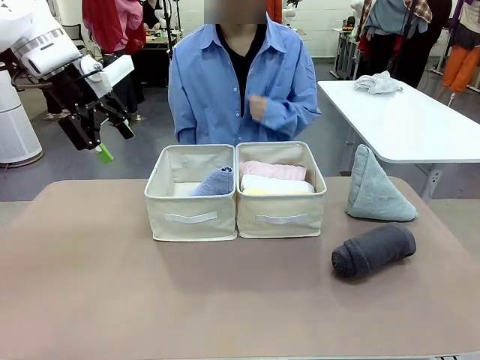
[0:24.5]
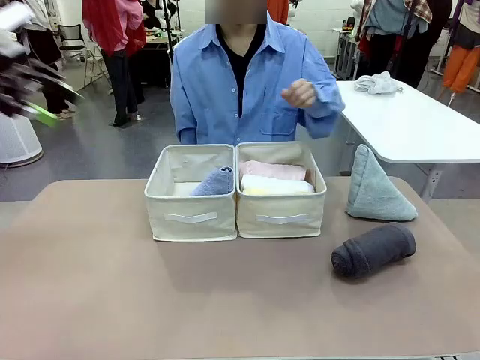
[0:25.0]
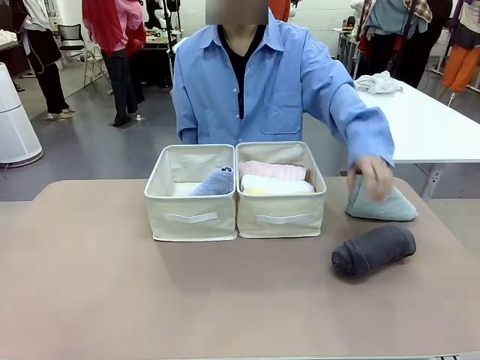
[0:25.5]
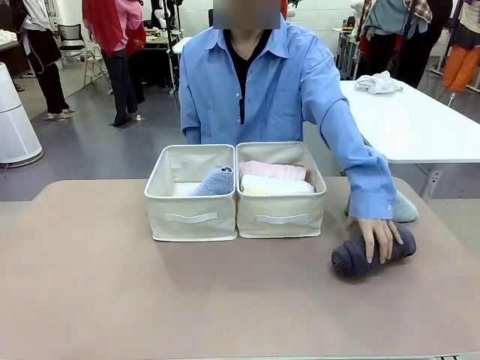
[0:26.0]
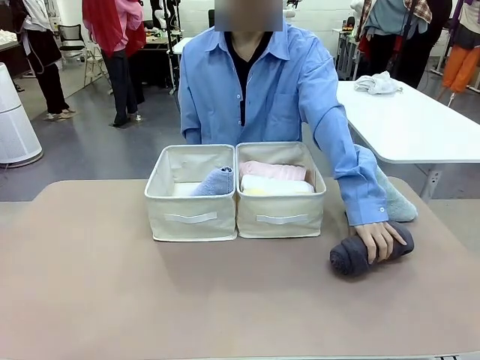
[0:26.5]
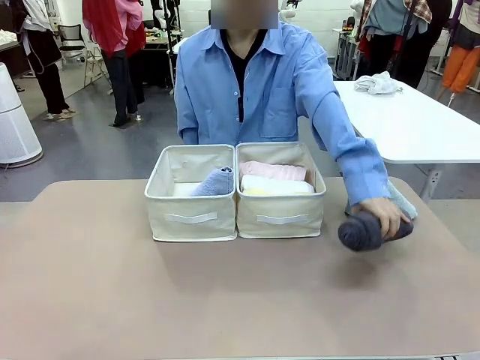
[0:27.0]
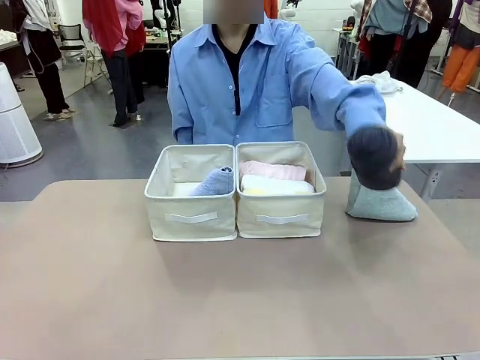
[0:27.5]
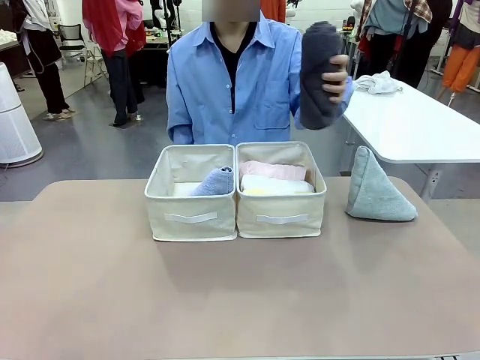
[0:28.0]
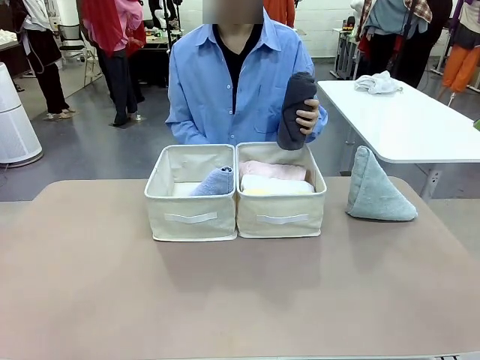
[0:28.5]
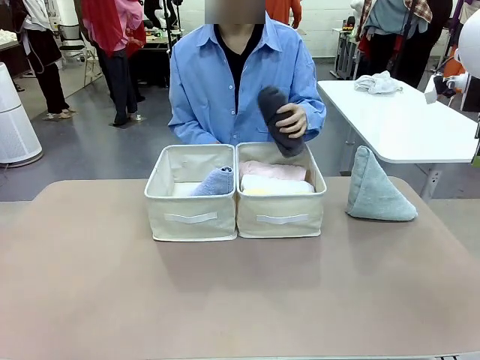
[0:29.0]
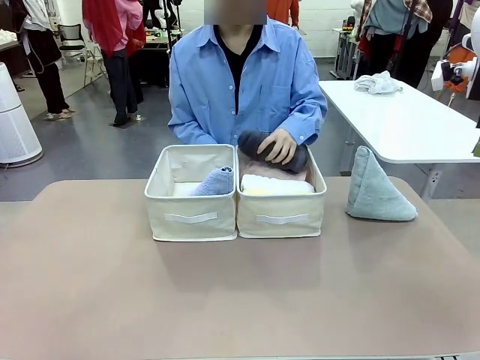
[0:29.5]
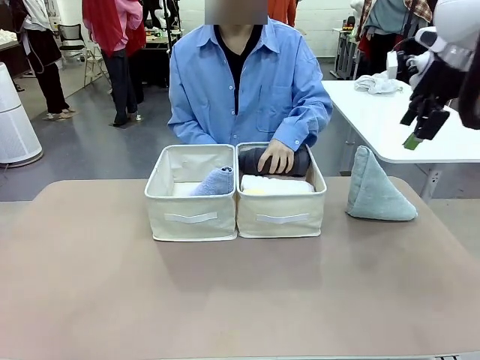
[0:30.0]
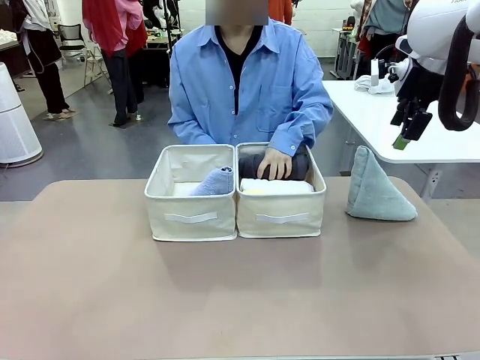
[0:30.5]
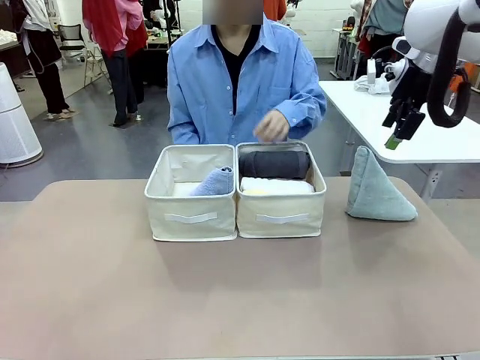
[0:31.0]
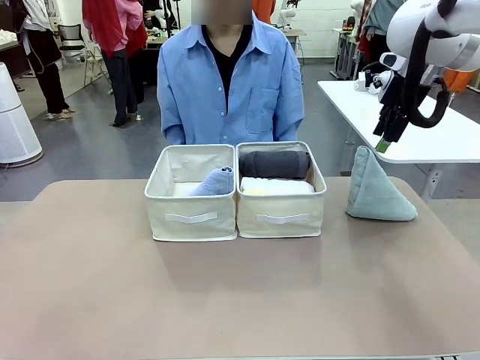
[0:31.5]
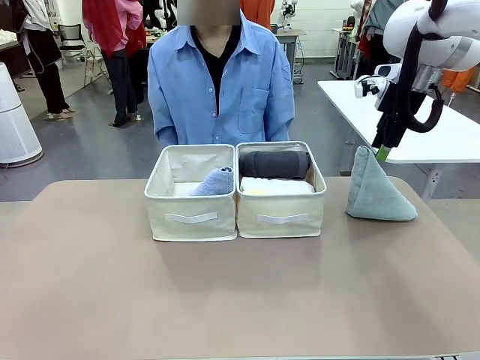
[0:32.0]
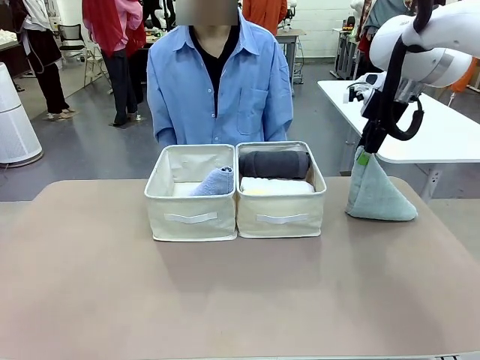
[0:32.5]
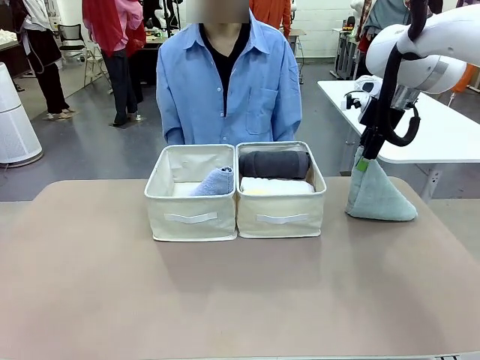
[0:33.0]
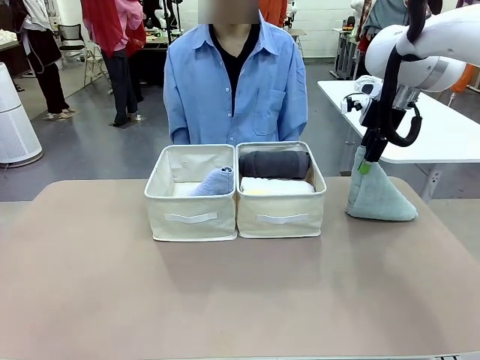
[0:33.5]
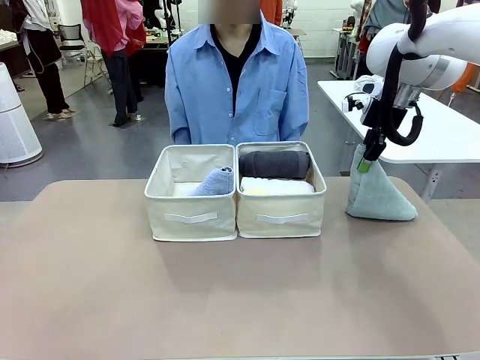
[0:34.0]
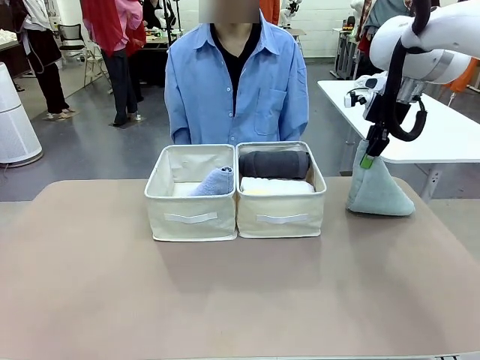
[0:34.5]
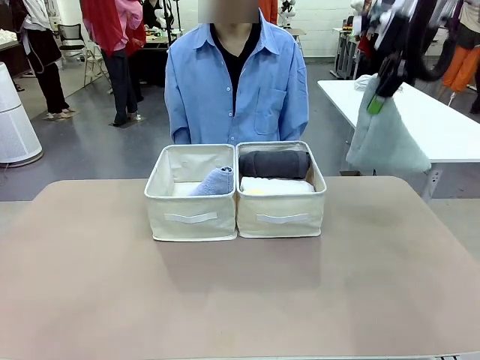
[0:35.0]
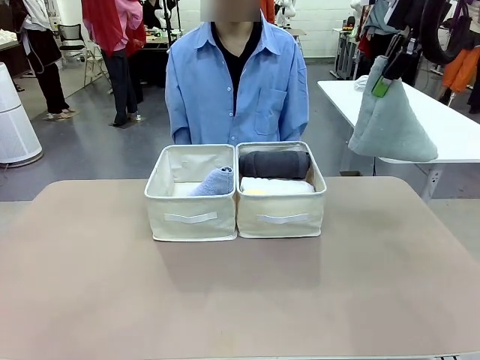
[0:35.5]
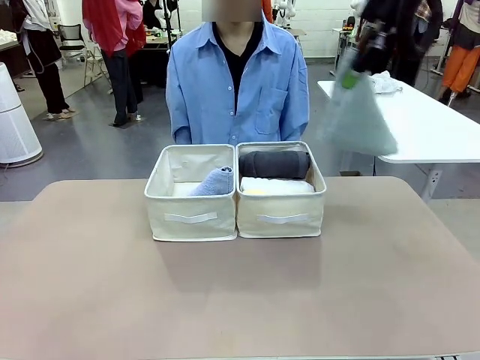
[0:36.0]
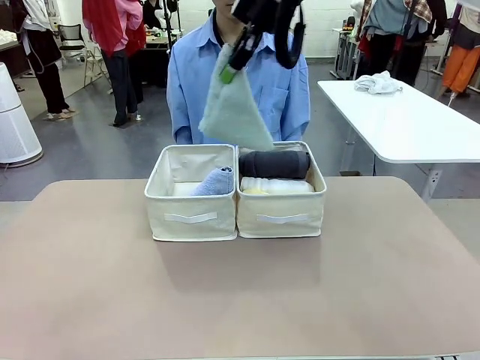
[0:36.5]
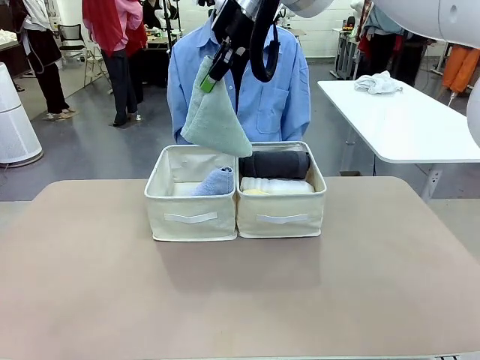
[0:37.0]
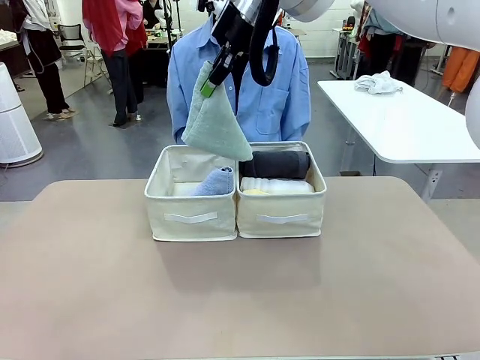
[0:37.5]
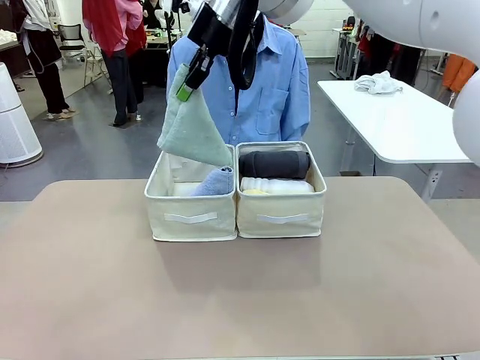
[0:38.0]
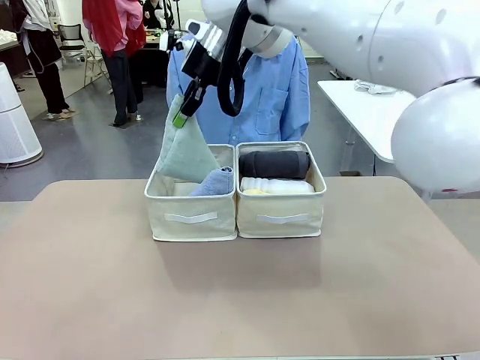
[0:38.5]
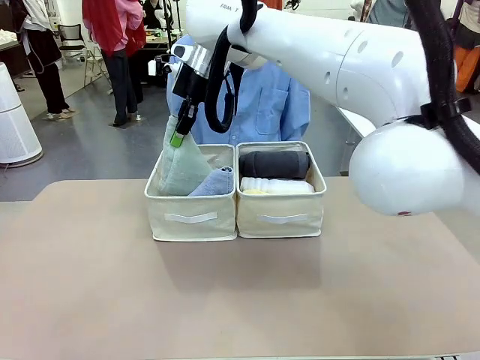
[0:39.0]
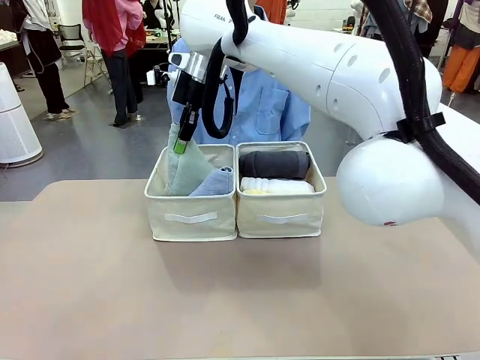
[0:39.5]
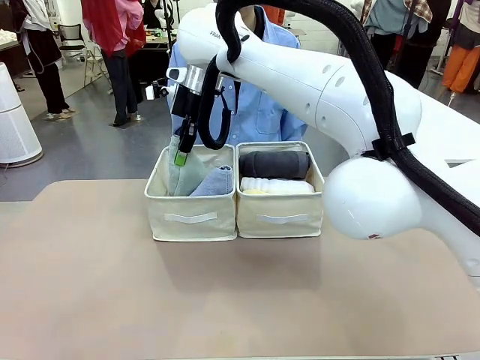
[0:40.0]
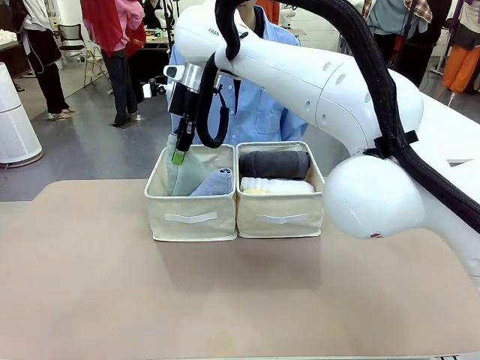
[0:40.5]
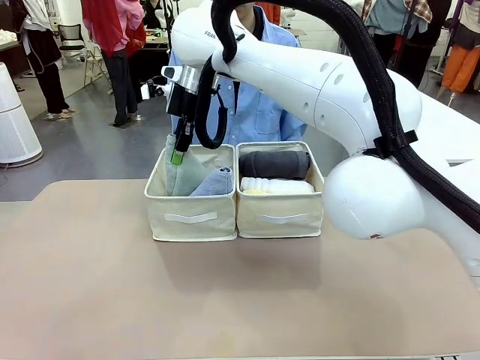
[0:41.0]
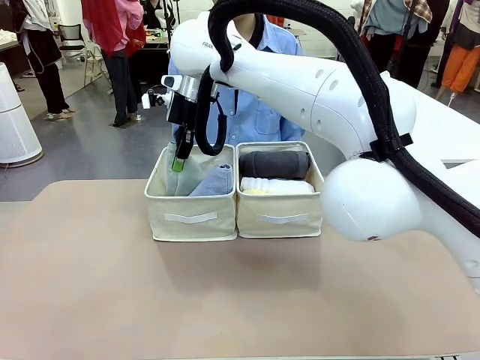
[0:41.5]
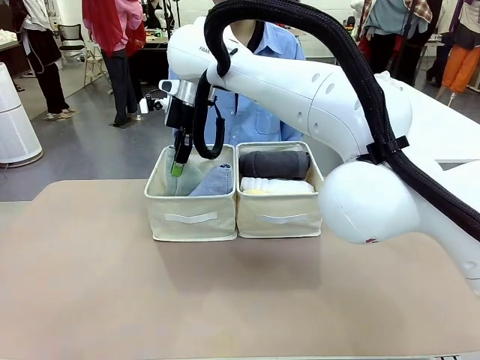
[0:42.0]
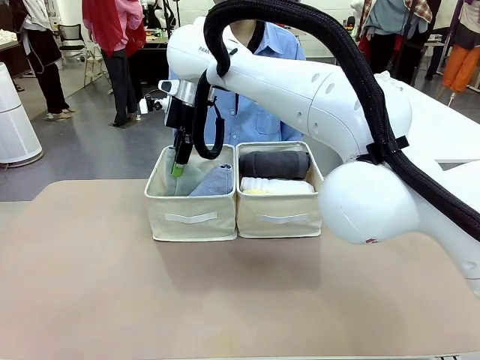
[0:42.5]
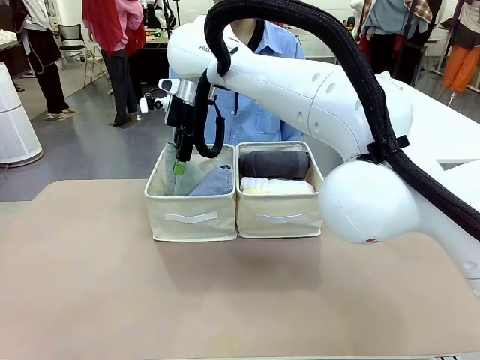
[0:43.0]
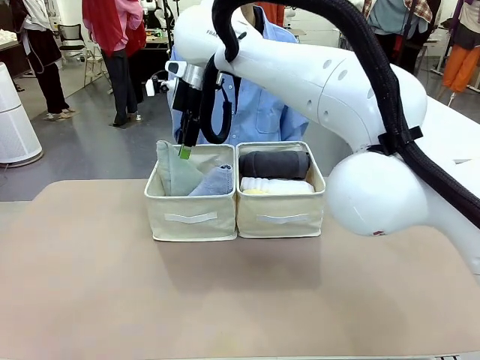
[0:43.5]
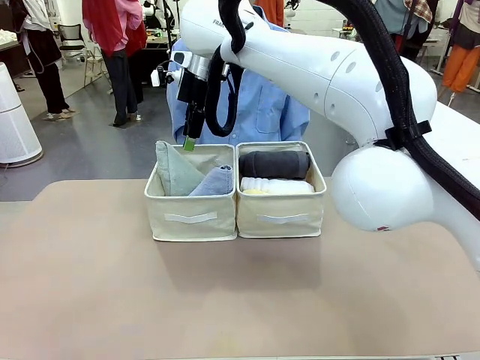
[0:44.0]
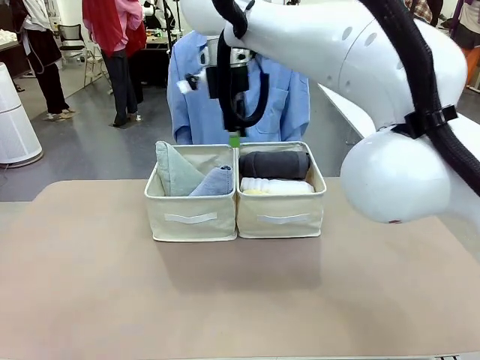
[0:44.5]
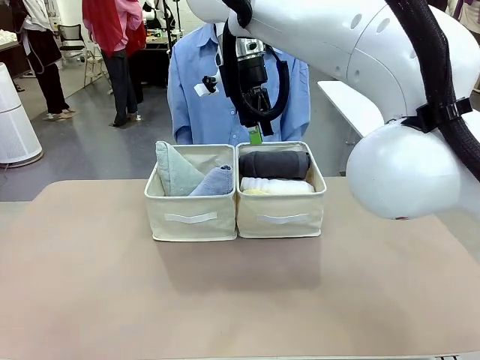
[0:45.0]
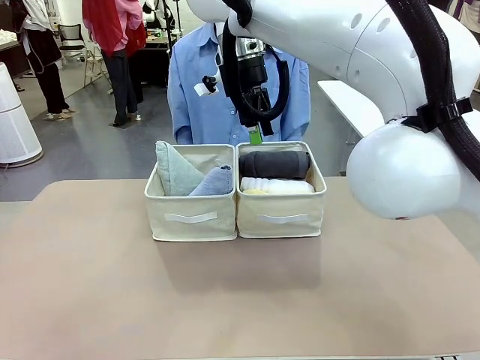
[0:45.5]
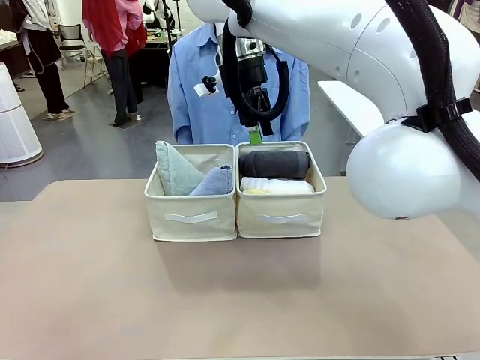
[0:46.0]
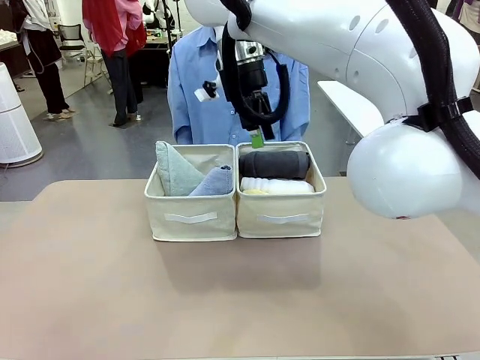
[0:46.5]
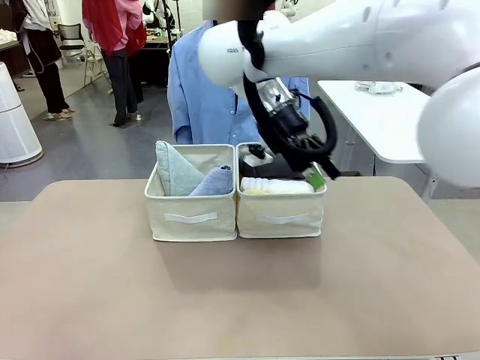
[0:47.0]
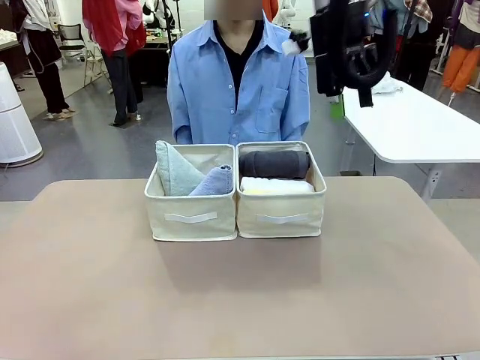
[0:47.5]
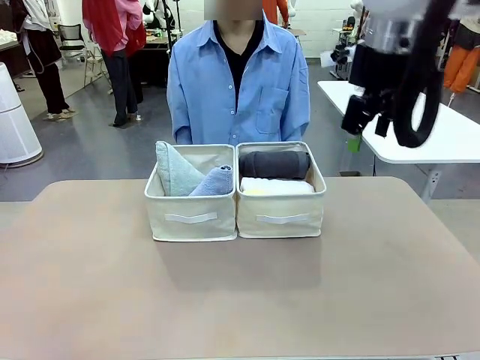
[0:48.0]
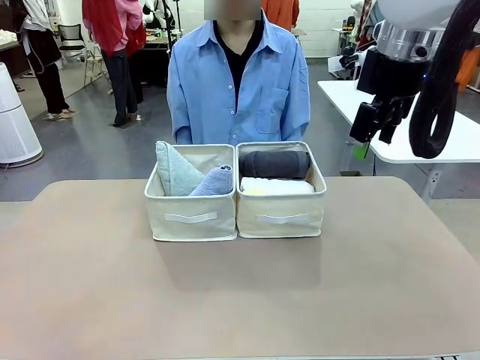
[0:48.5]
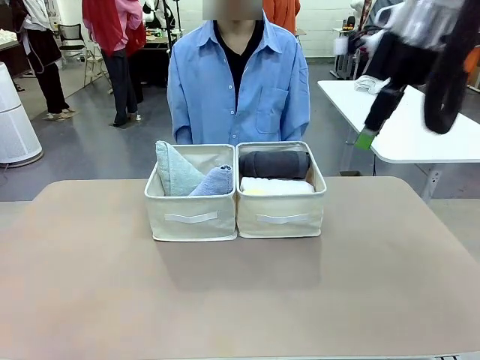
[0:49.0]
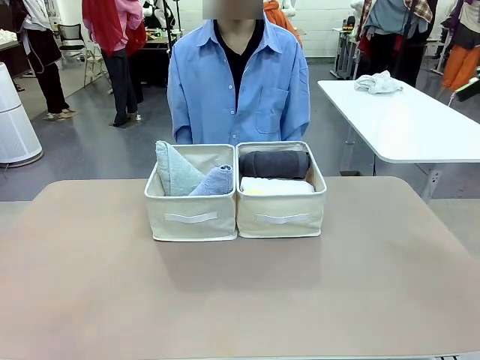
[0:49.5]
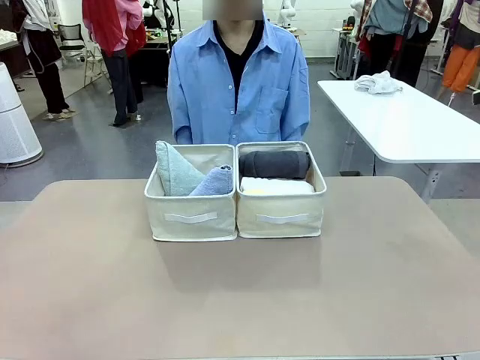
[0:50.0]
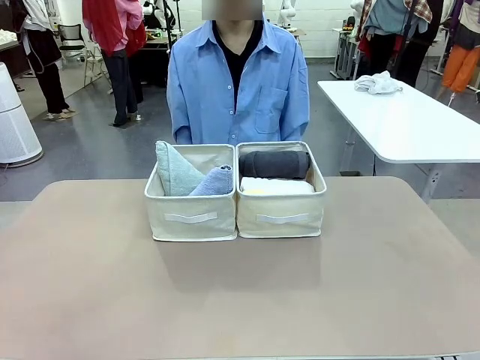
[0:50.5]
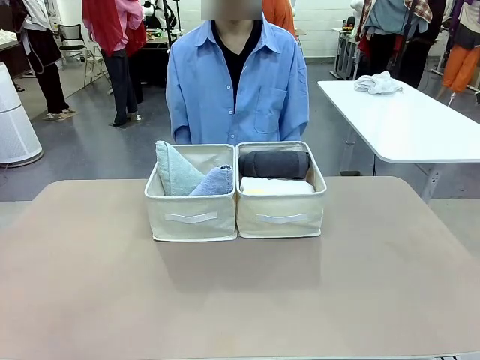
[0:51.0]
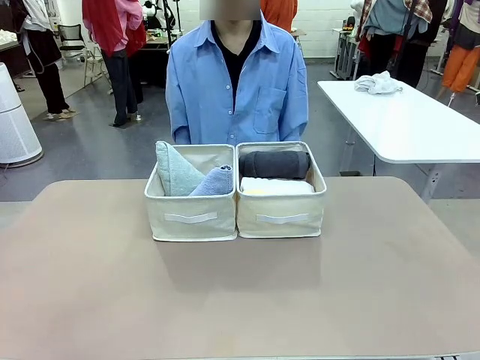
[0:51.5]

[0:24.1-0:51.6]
Task: Sort the towels based on their folding style.
Robot: Pick up another triangle-folded towel from the table and place it in the left Fabric basket.
Person: Pick up one hotel-style rolled towel from the table and place it in the left fabric basket.
